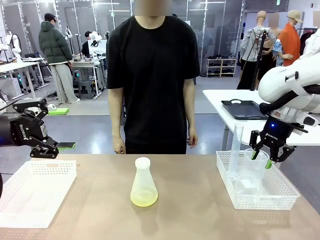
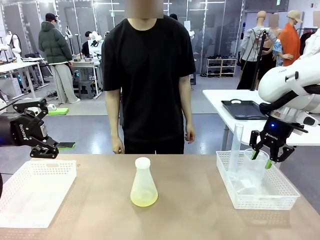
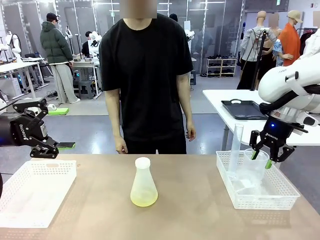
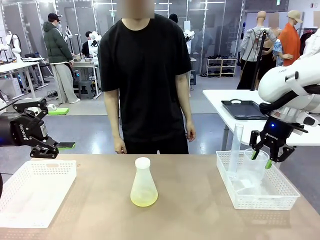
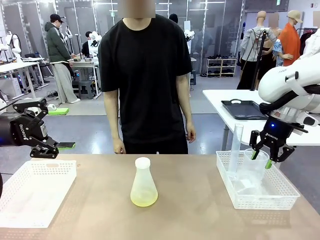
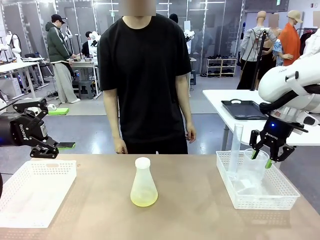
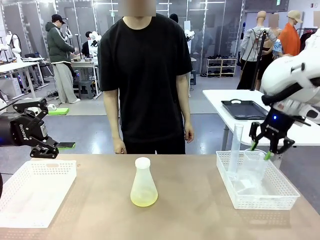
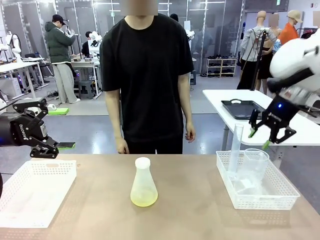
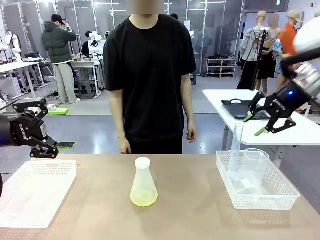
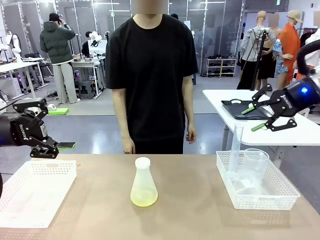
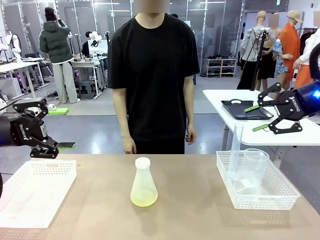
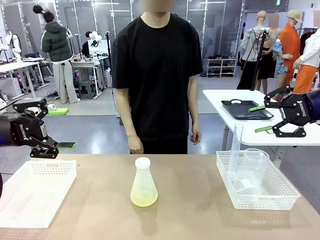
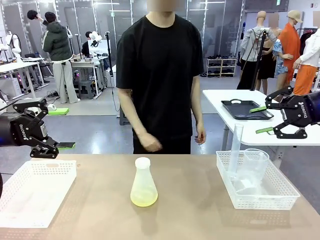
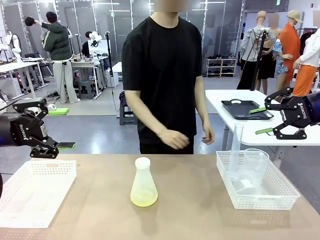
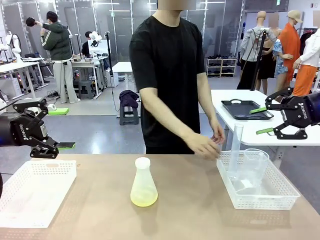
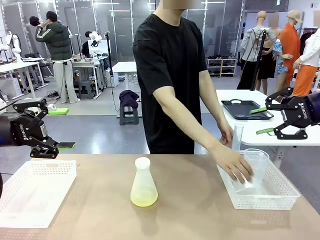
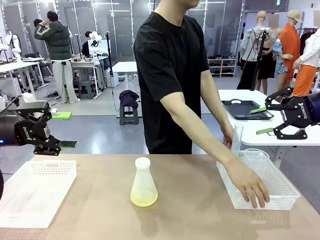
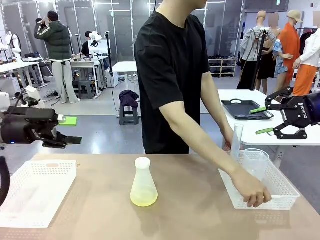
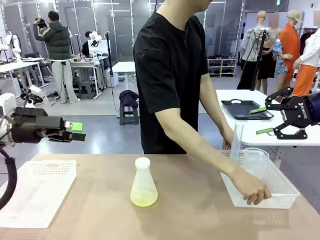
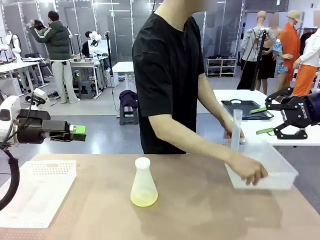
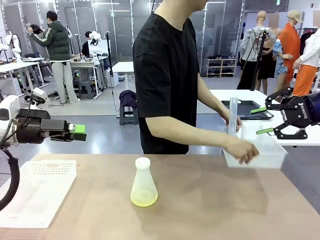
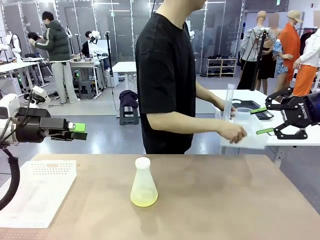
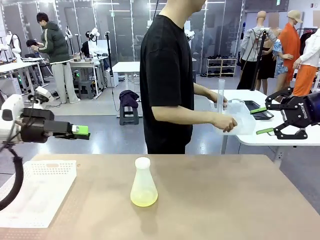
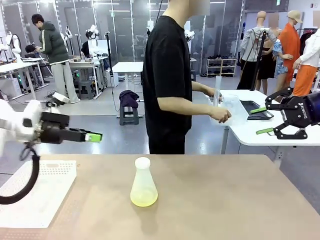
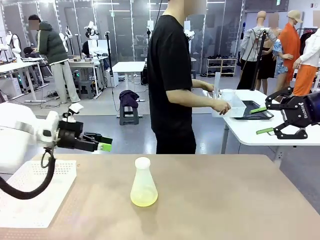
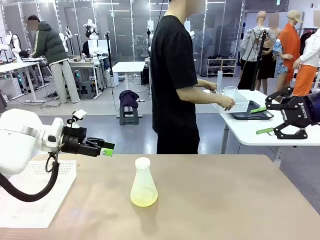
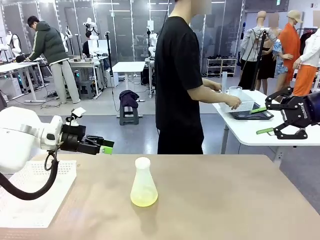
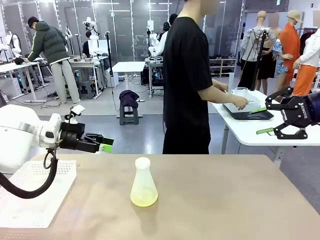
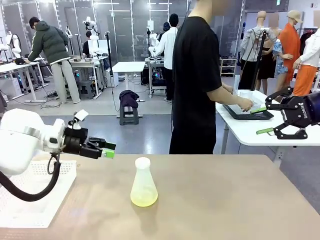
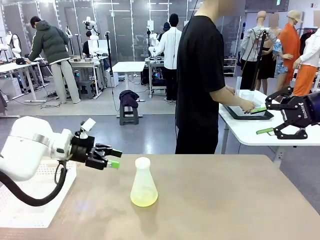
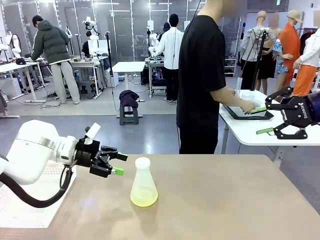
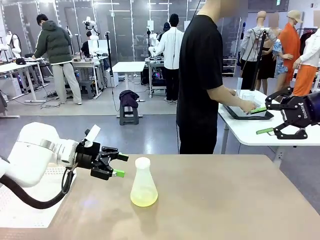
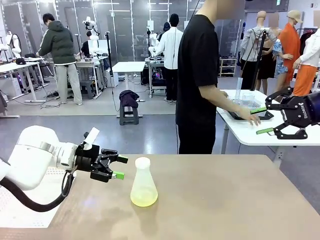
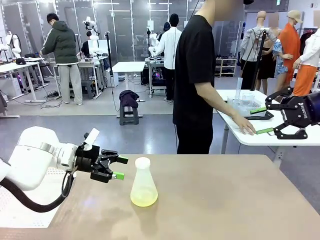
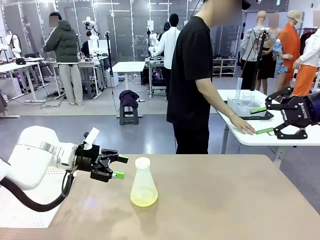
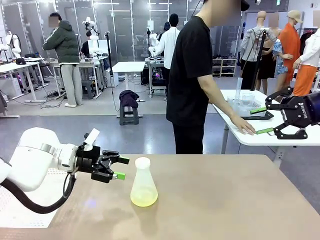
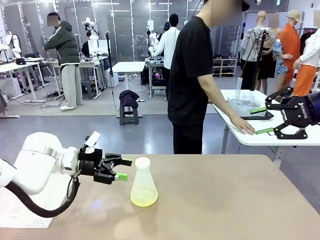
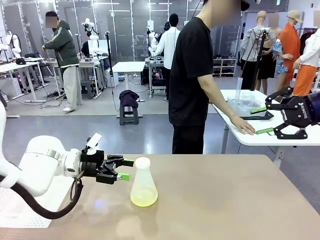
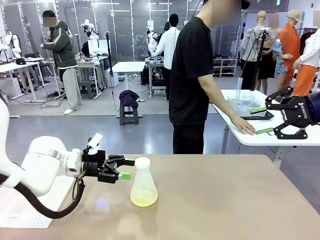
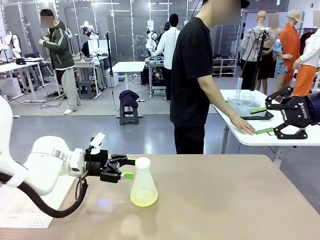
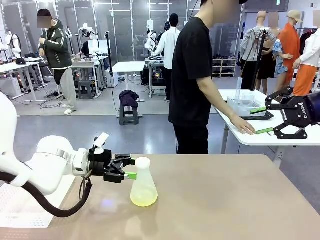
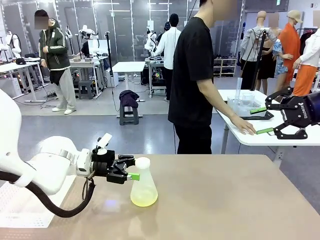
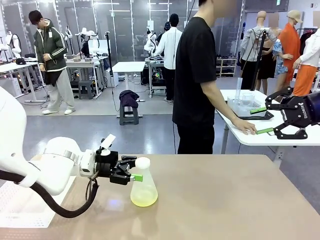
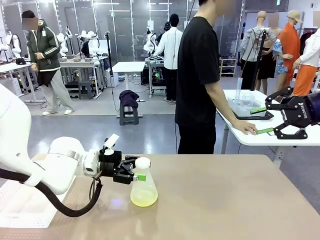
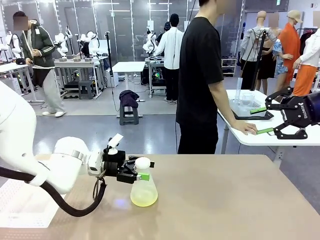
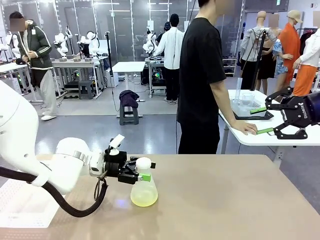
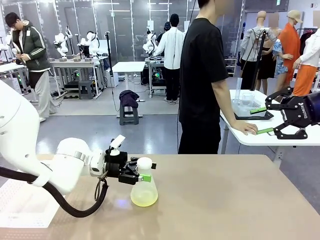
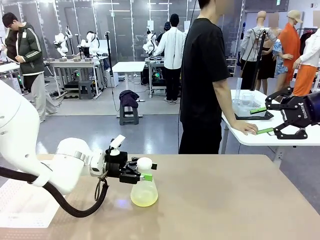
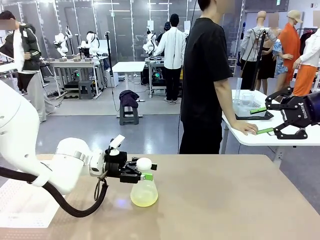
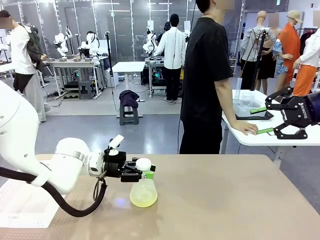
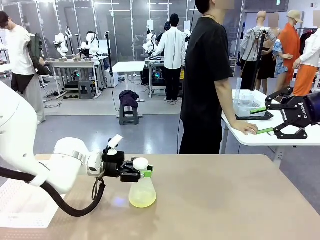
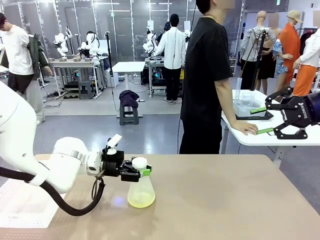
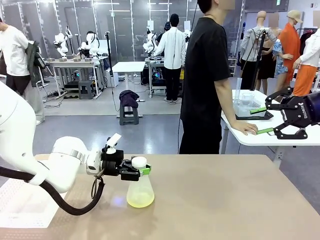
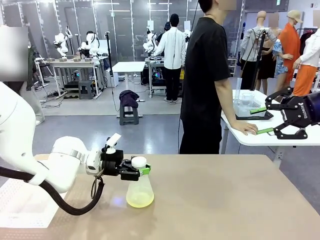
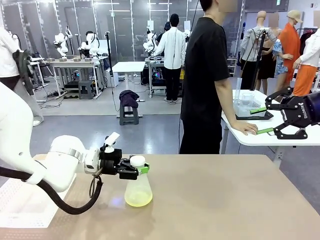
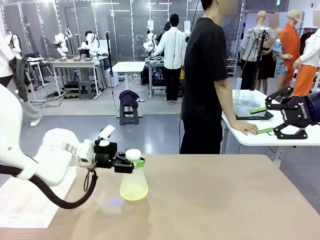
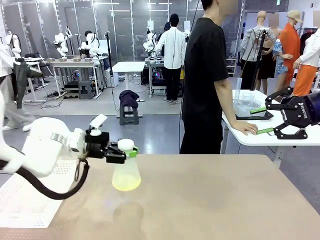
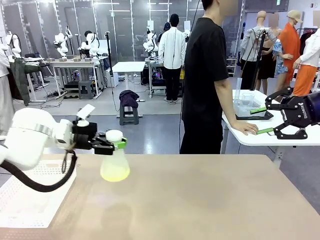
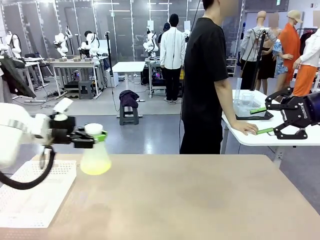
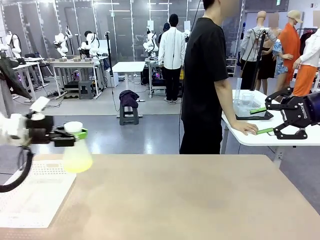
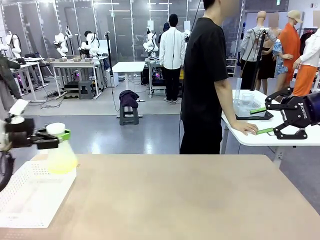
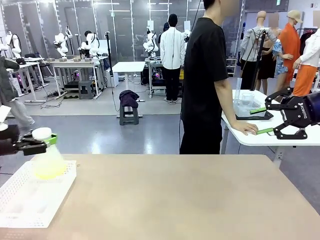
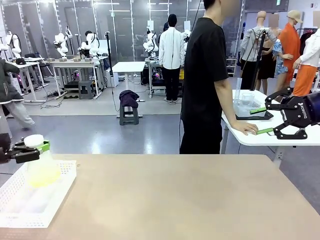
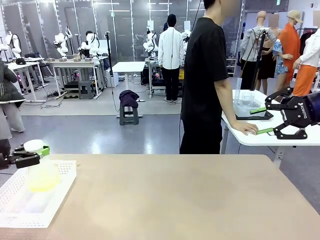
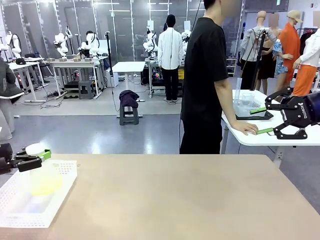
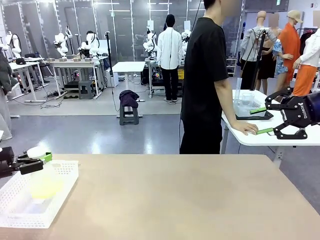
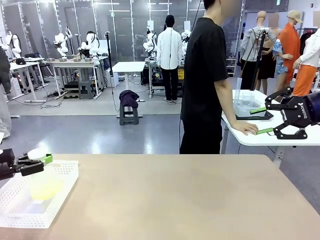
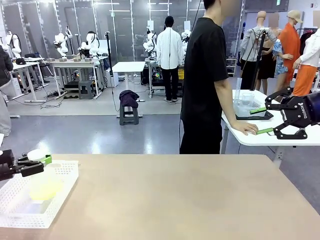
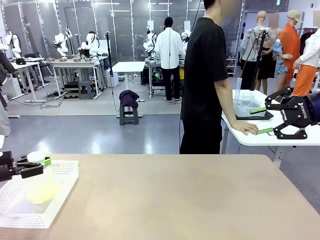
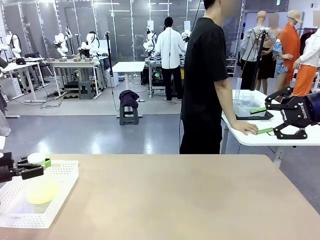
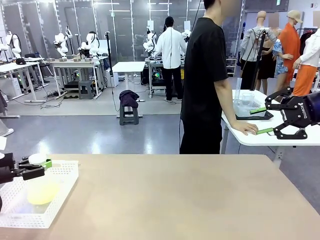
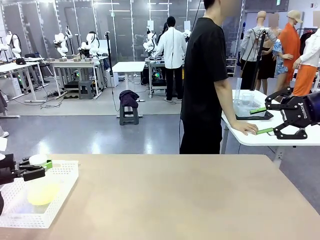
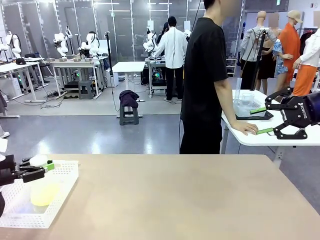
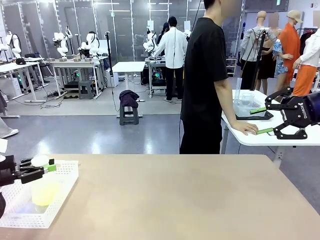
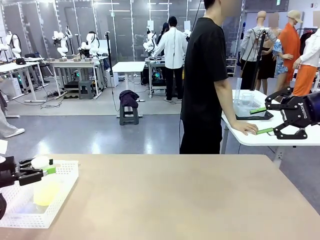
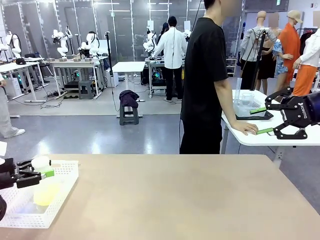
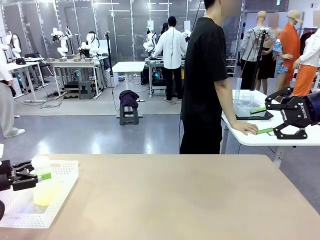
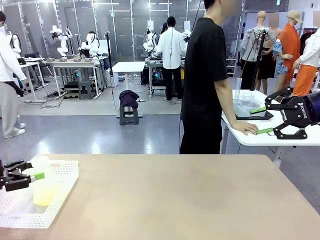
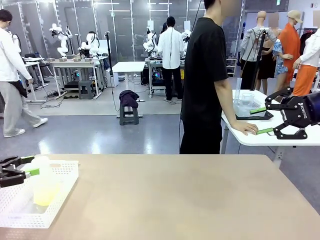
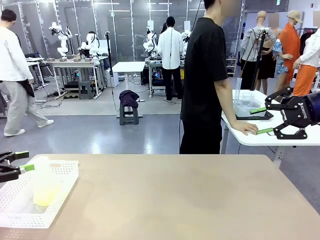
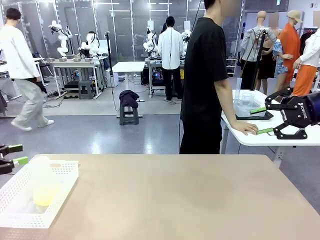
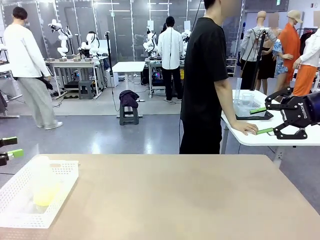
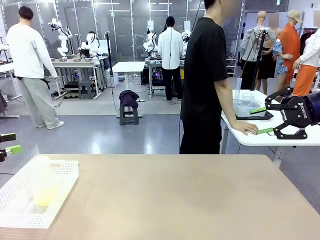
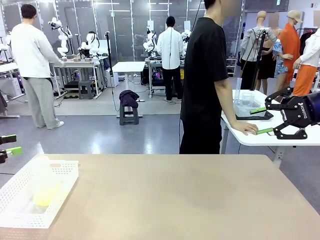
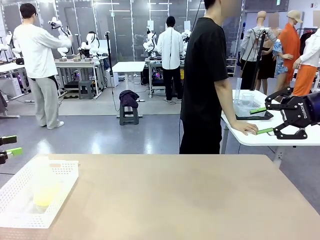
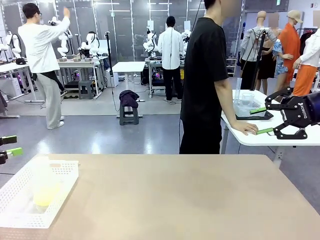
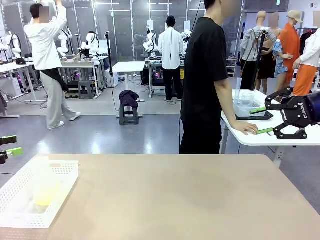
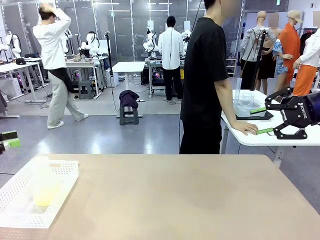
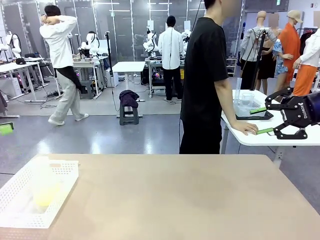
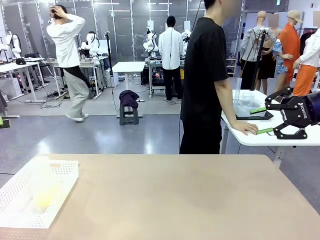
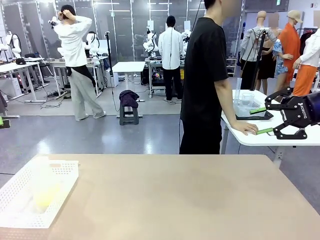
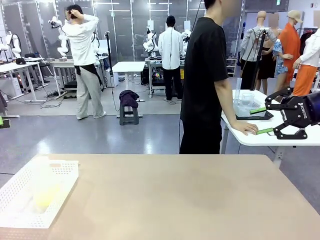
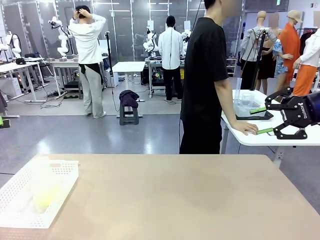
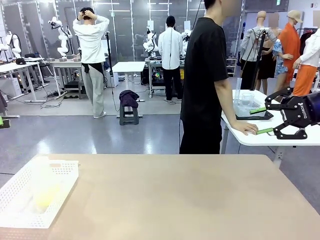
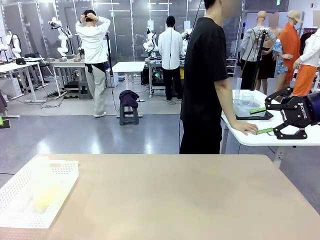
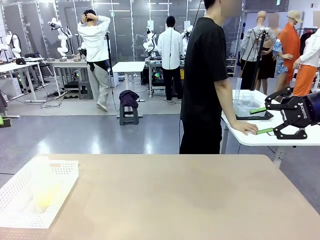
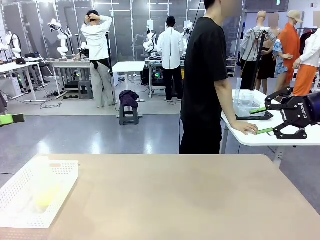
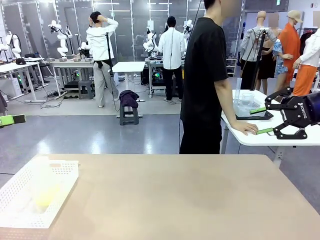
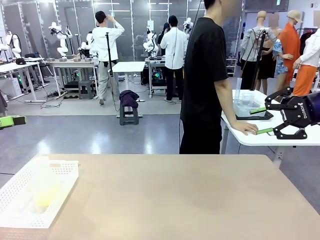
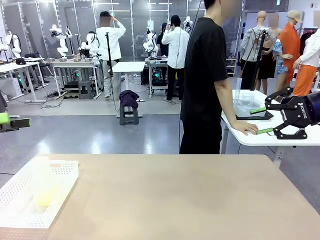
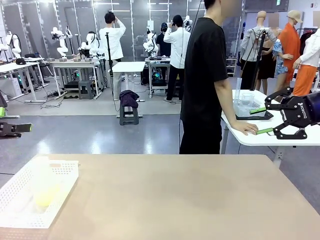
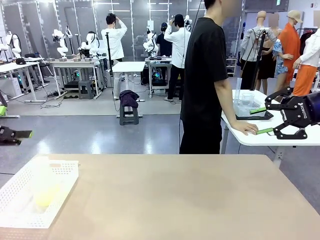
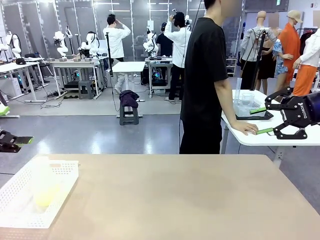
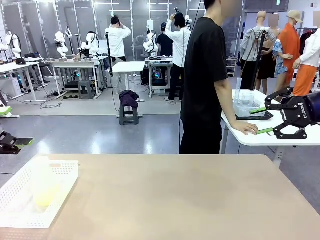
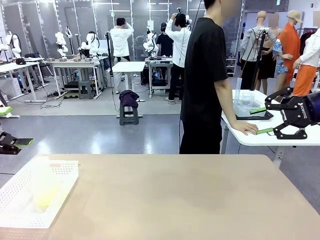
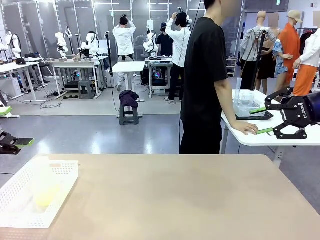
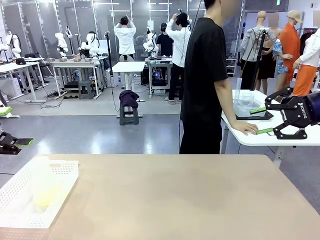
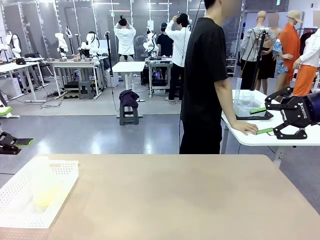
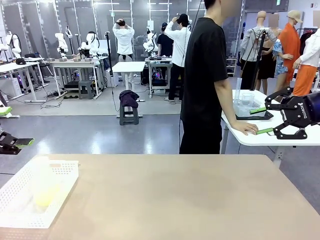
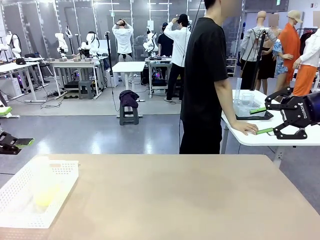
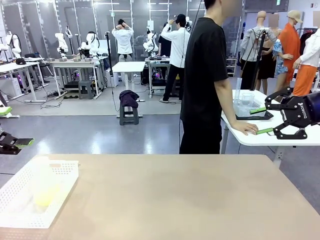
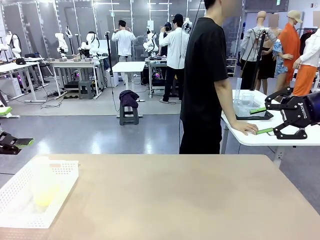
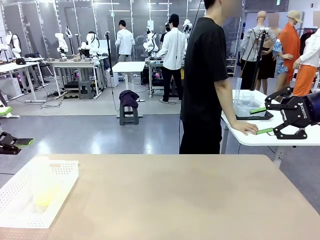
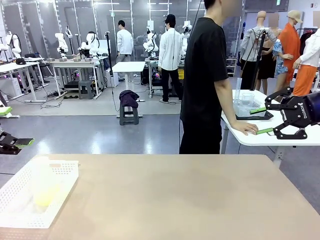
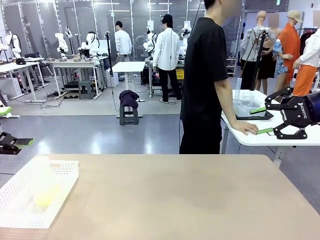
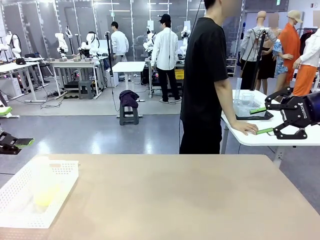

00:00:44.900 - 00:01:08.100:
Task: Prepare the solutions needed for the experiment.
Robot: When the human places the Big flask in the center of the table, pick up the Big flask and place it in the left Organizing basket.
Person: Pick up the organizing basket on the left side of the robot table and place it on the left side of the human table.
